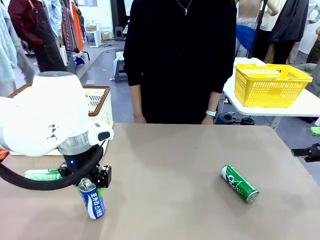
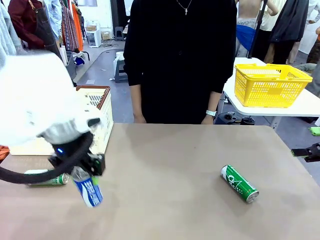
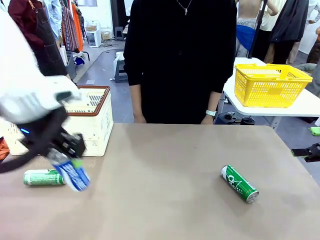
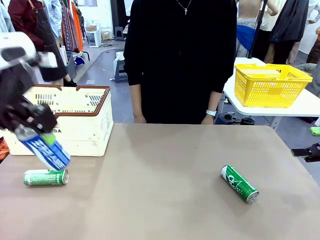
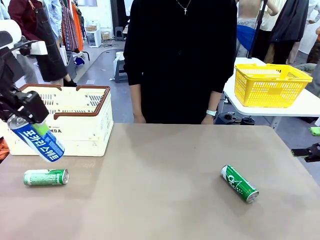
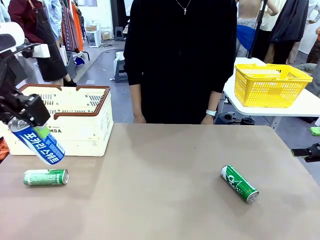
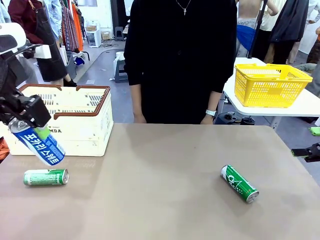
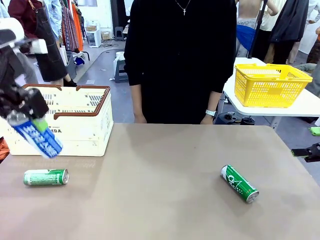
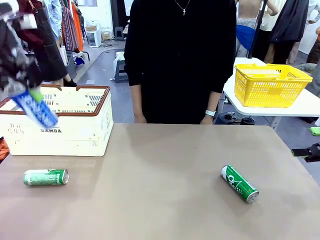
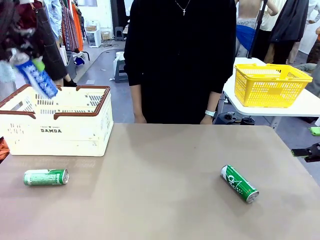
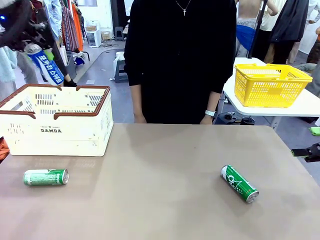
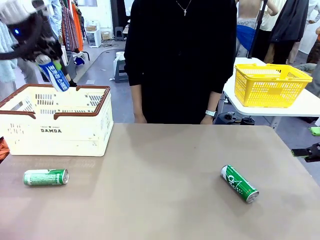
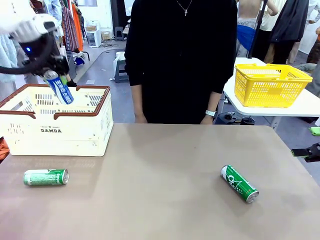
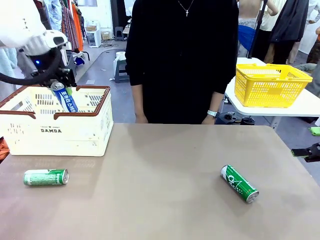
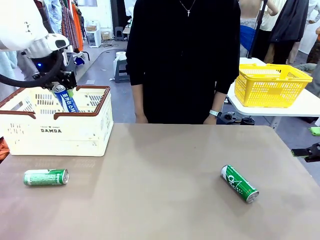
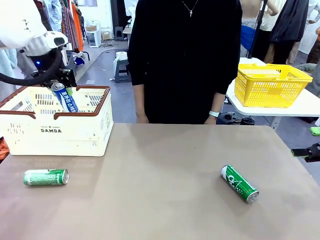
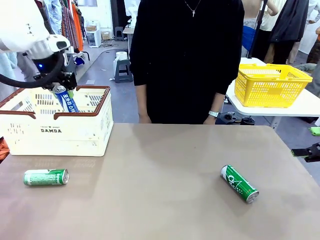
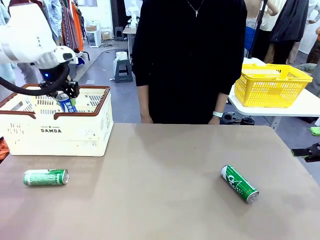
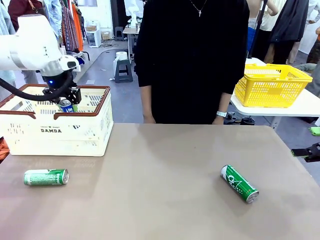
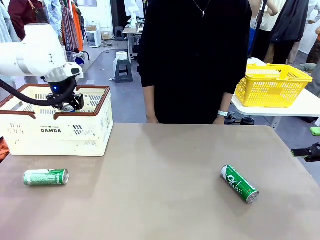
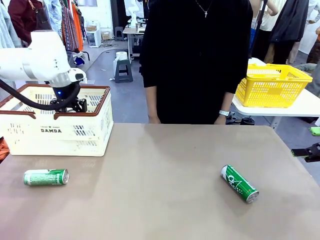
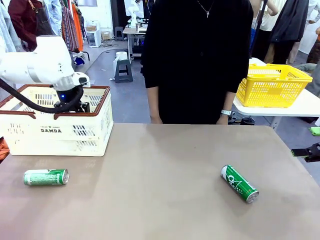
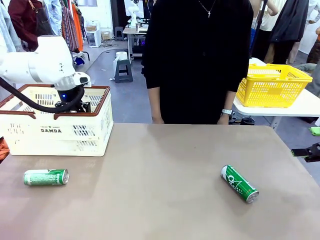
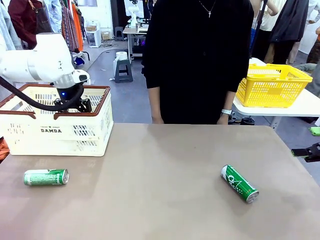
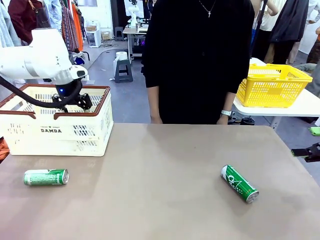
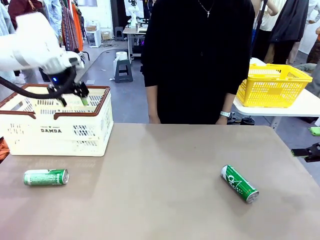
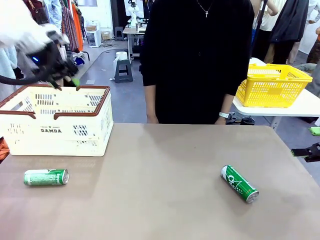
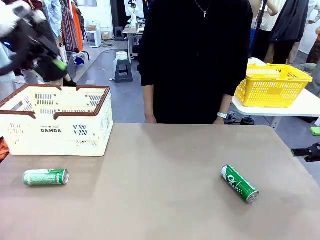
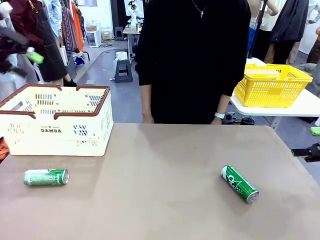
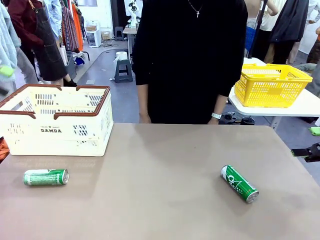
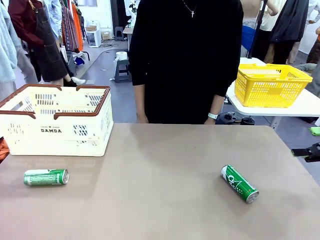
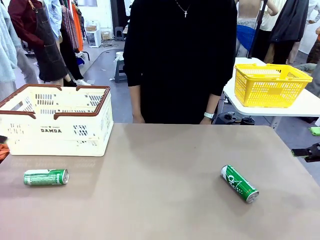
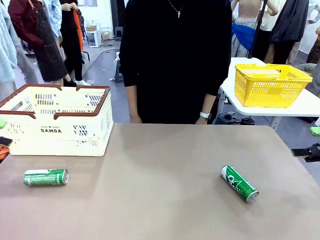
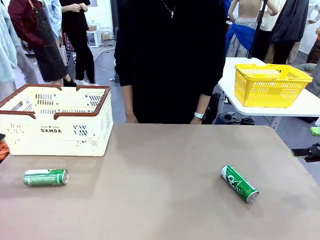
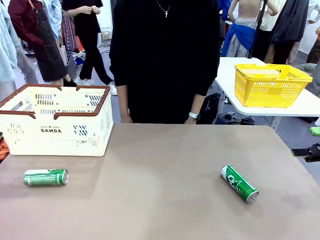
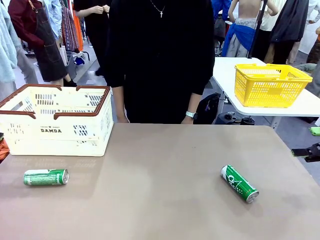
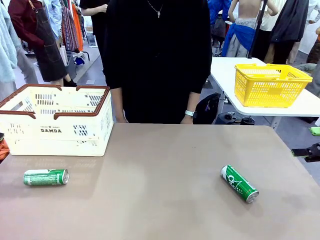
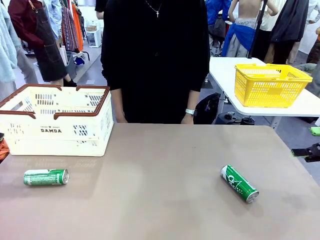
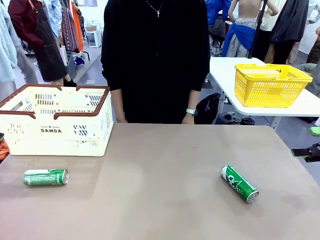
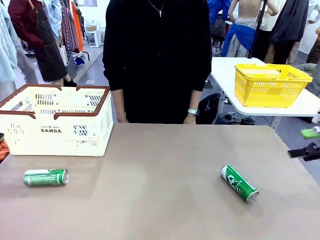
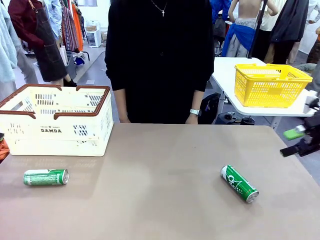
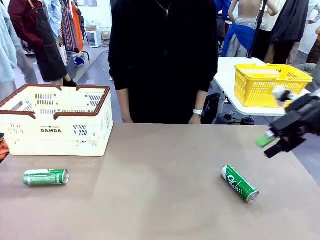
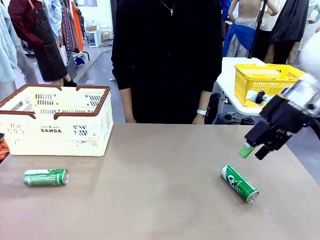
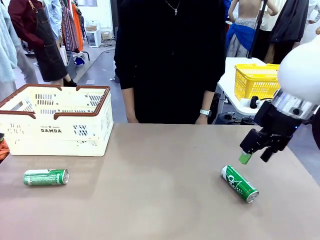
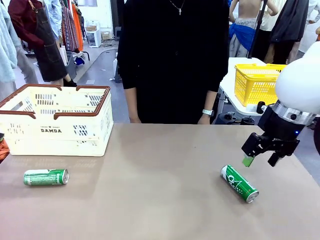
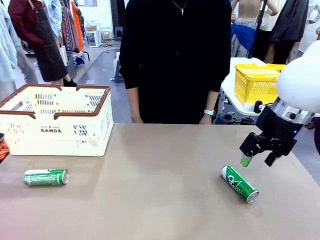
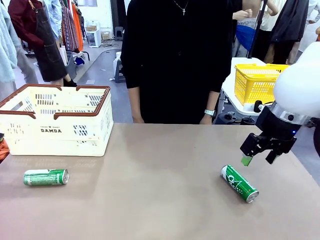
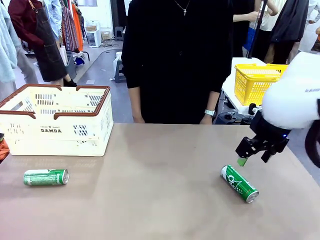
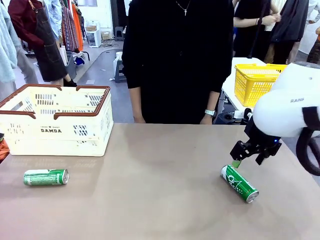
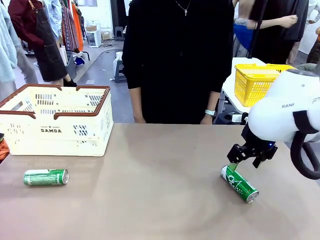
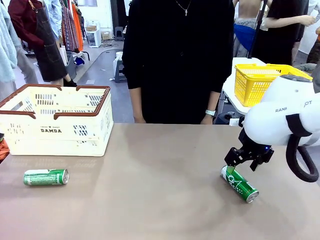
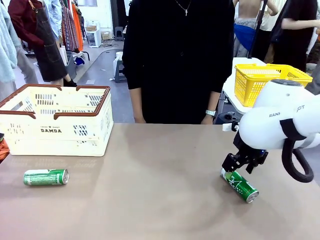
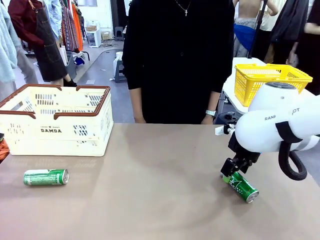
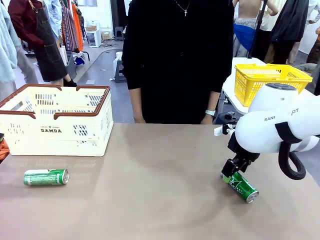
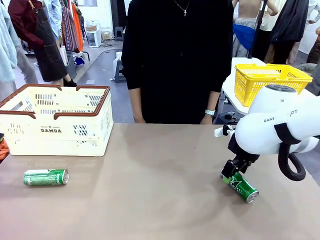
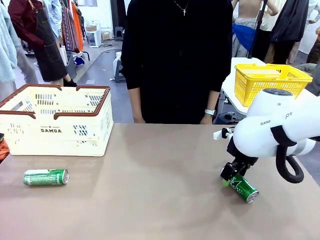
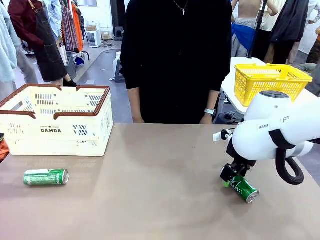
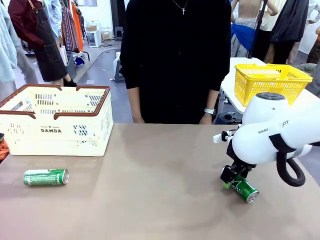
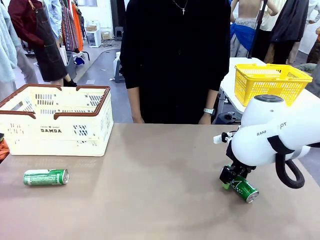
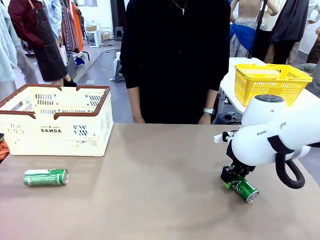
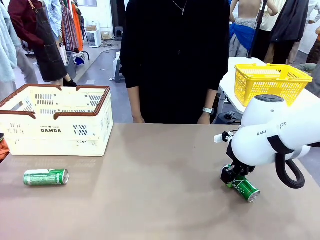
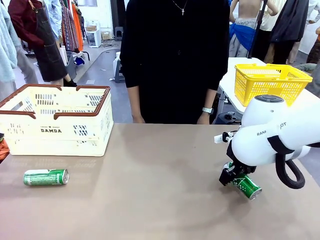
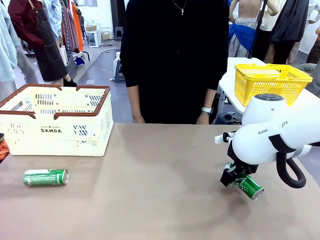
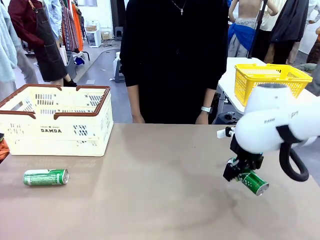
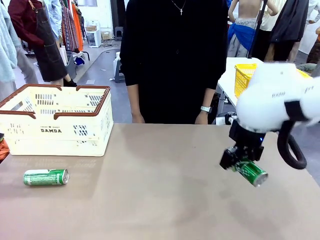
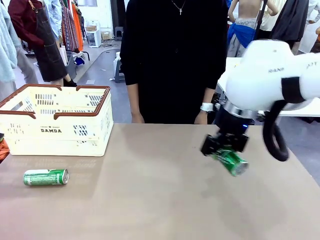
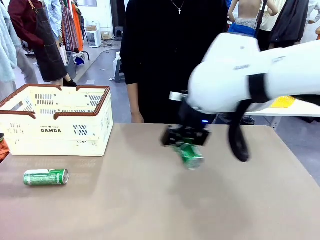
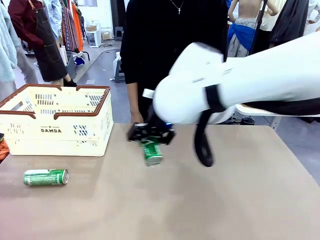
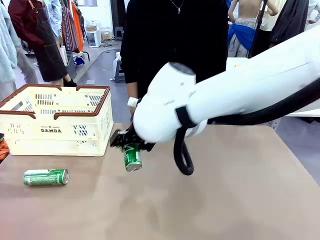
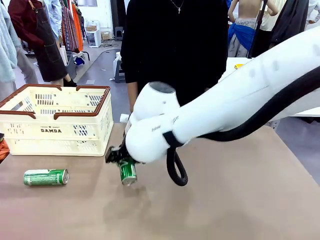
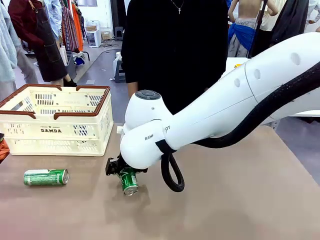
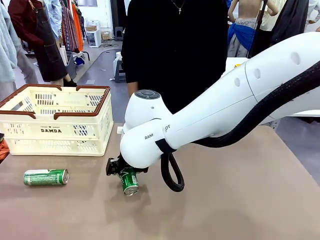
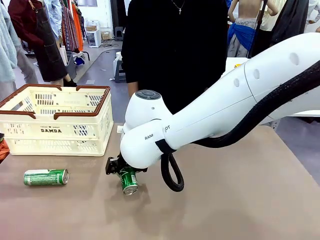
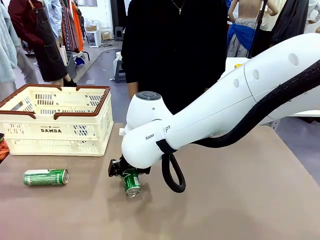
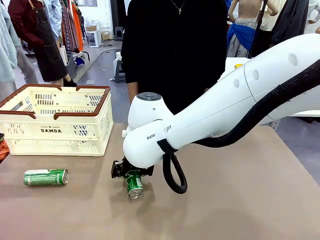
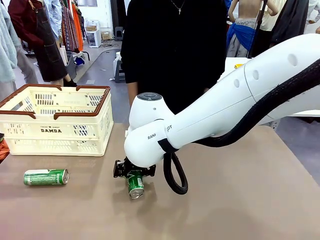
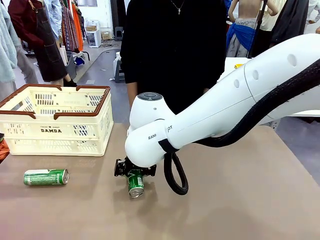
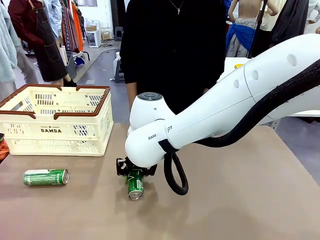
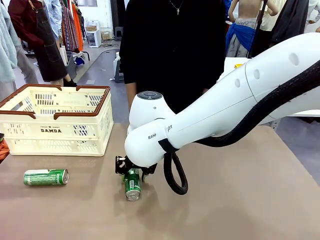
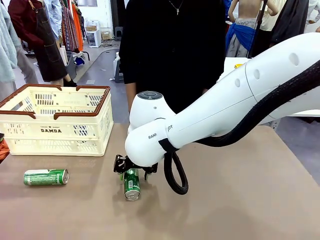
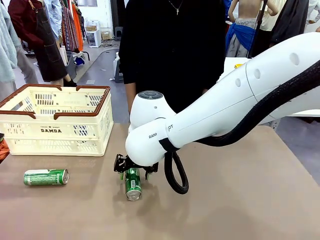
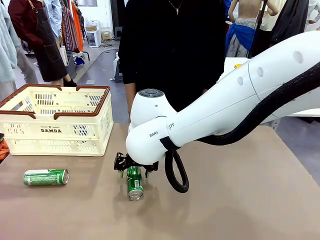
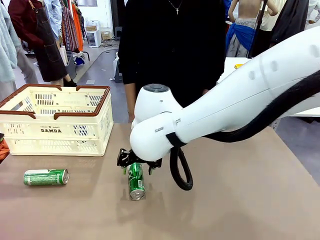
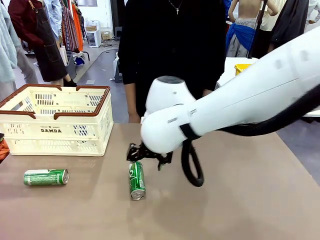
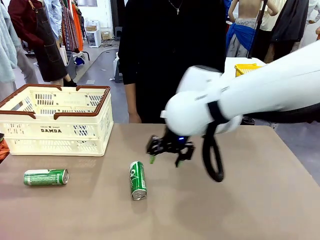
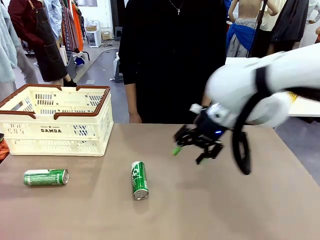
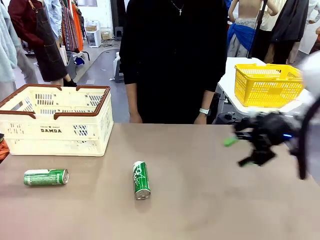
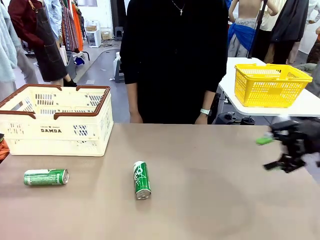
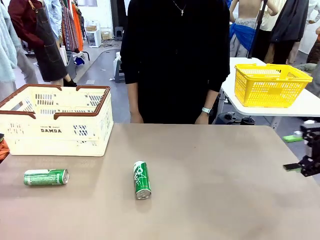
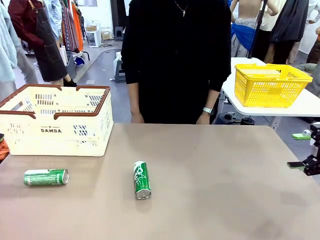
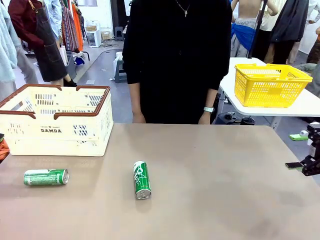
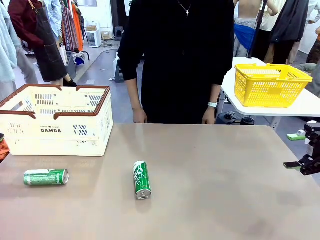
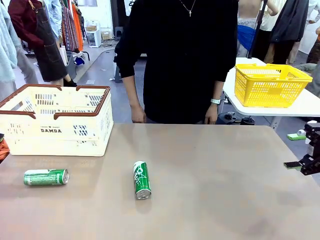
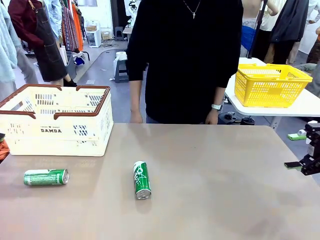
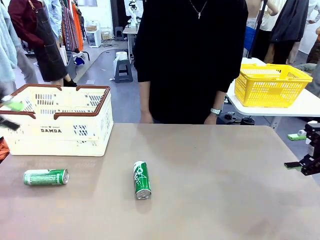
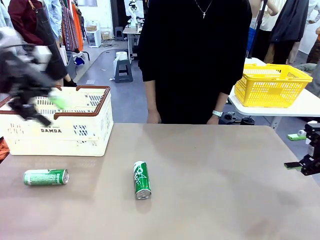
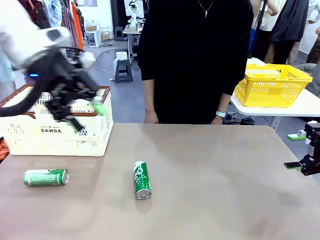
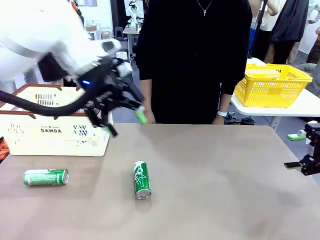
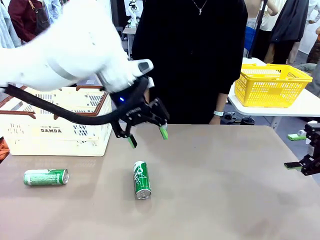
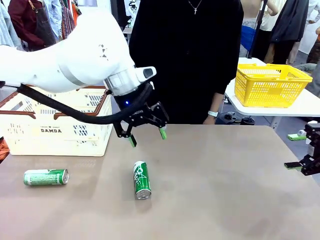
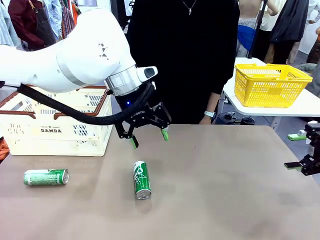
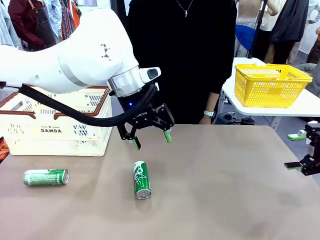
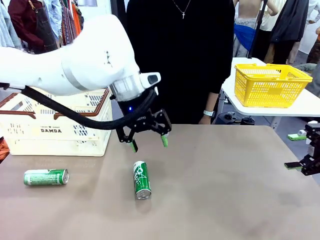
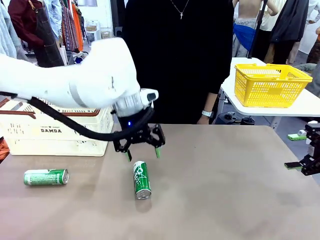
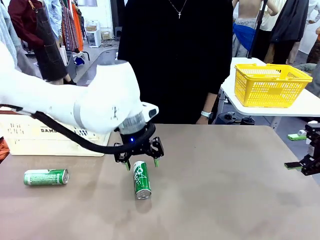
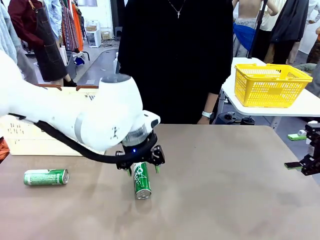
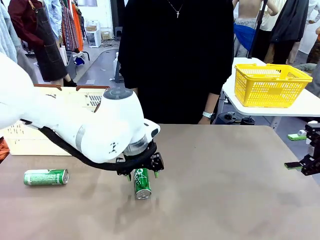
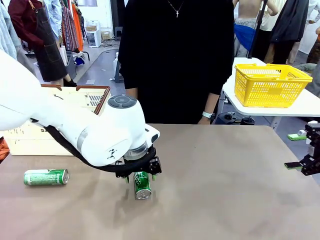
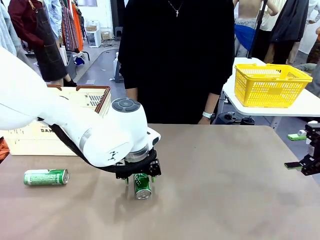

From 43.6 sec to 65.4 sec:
Task: Place the drinks into the Shopping basket.
Robot: Pick up one drink and place it into the Shopping basket.
